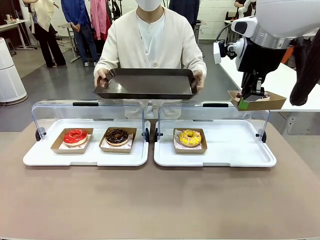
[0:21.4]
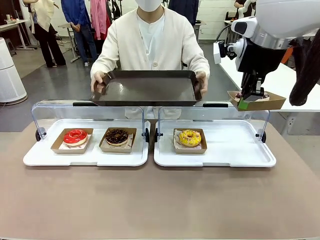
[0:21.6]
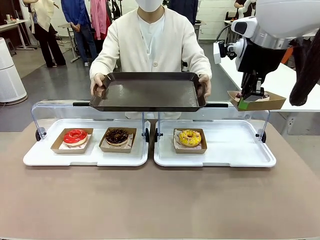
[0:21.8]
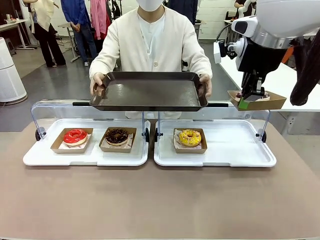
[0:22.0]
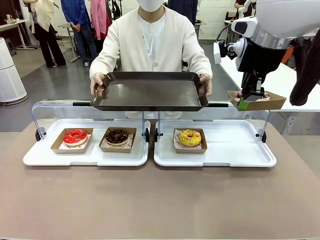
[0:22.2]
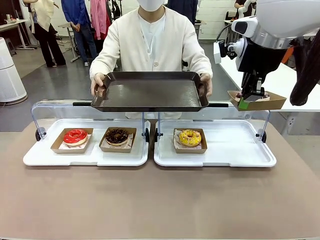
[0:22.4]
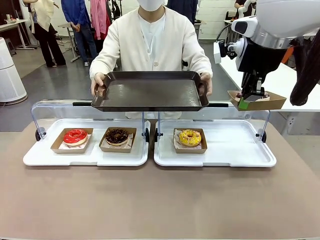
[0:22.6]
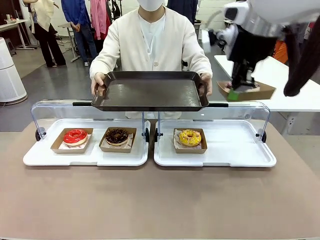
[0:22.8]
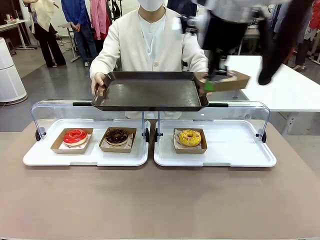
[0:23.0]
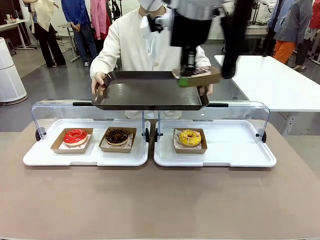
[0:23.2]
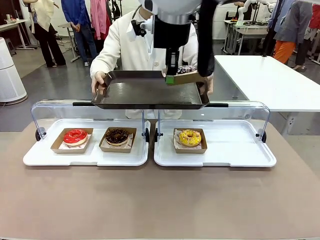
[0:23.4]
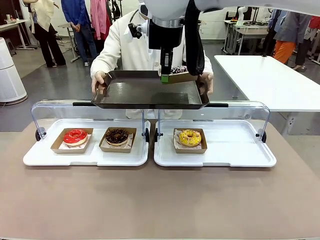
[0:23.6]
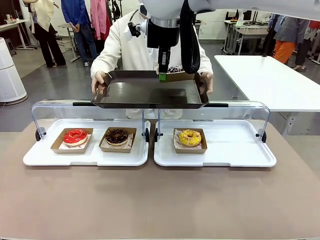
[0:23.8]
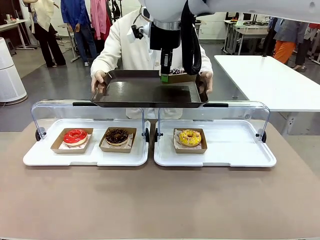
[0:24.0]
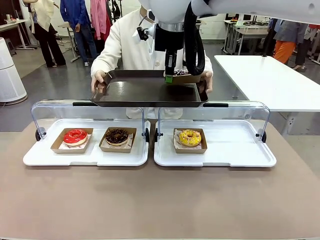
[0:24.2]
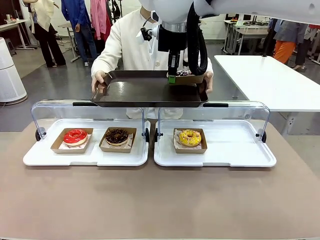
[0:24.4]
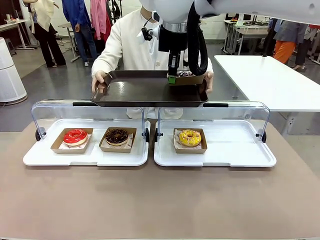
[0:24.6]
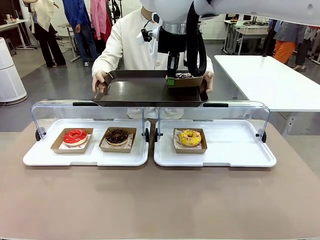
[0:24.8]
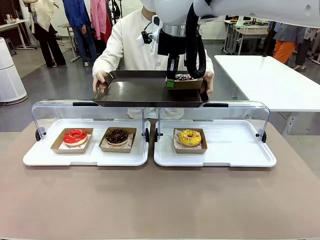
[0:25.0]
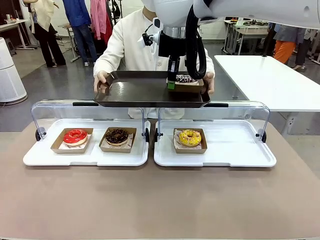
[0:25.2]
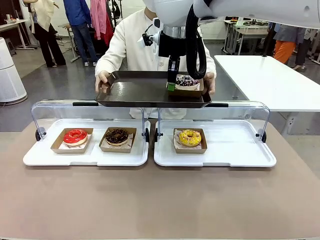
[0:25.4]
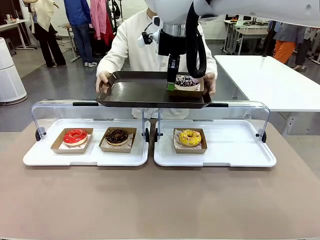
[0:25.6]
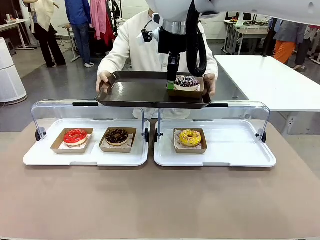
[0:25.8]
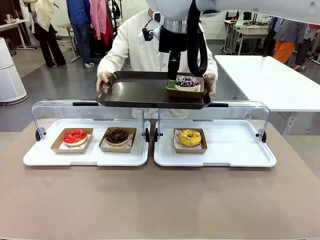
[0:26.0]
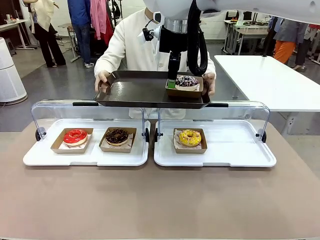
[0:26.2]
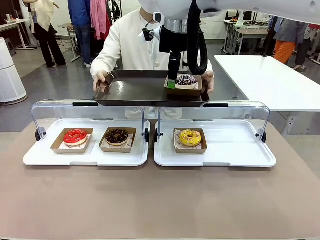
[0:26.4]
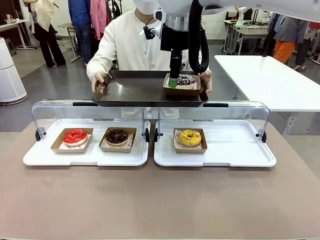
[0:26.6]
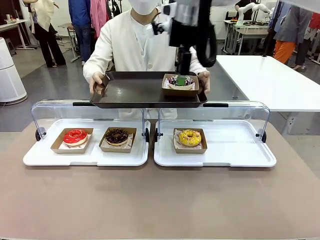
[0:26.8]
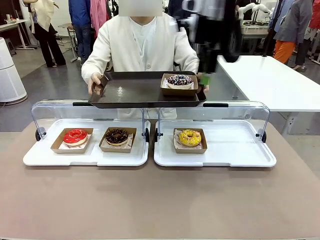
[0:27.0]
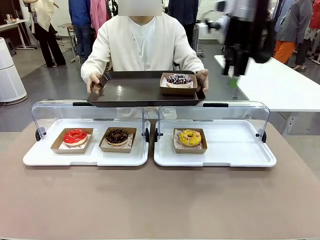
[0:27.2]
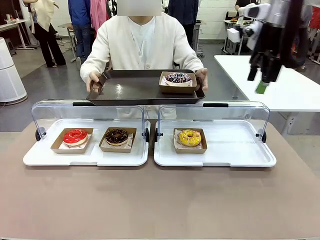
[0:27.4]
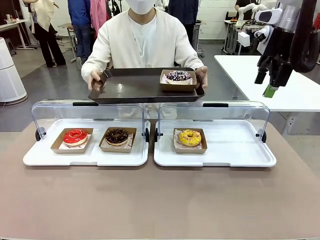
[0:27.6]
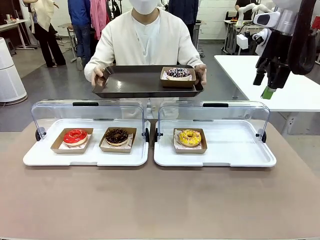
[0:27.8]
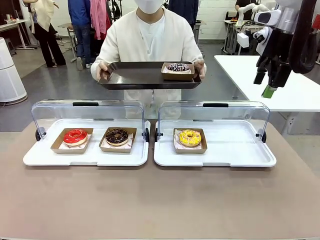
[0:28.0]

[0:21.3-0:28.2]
Task: Provide the desired donut to the person.
Robot: Place the picked Paper togo box onto the Handle tray extended by the person.

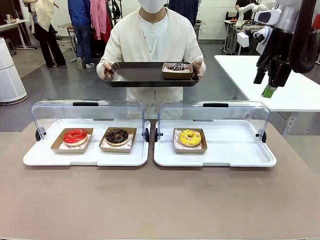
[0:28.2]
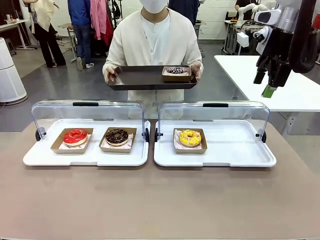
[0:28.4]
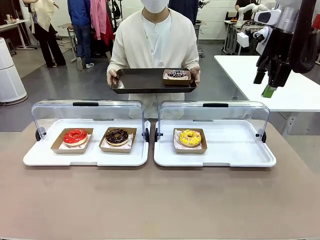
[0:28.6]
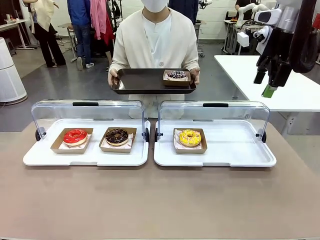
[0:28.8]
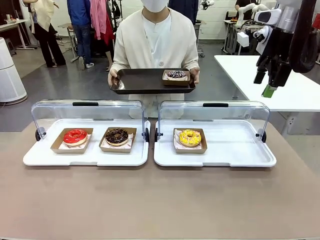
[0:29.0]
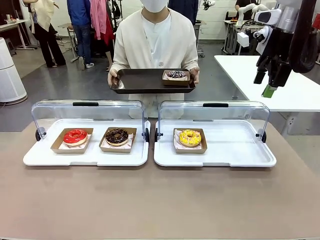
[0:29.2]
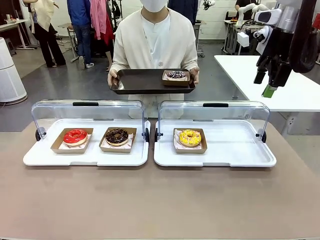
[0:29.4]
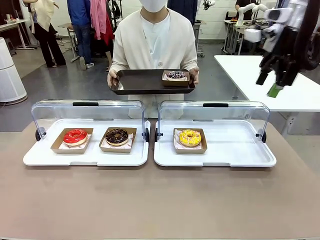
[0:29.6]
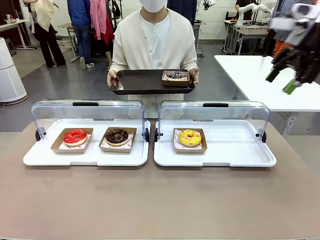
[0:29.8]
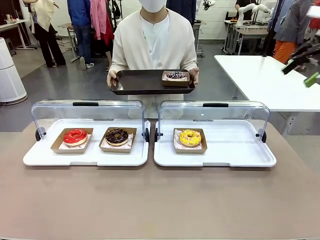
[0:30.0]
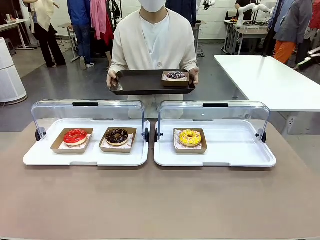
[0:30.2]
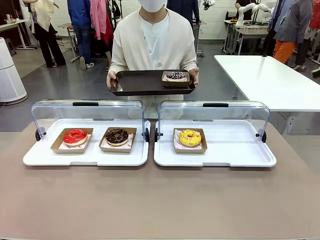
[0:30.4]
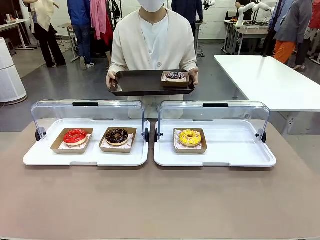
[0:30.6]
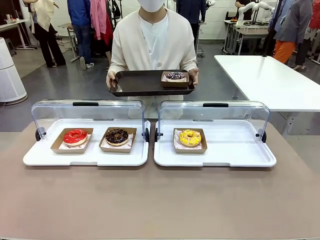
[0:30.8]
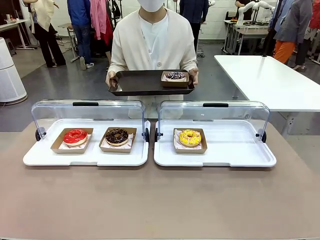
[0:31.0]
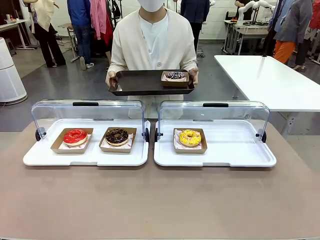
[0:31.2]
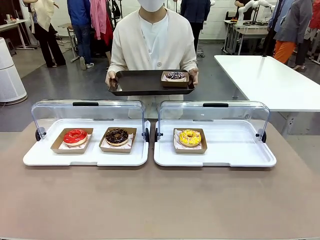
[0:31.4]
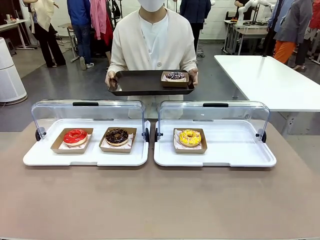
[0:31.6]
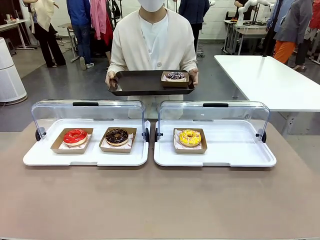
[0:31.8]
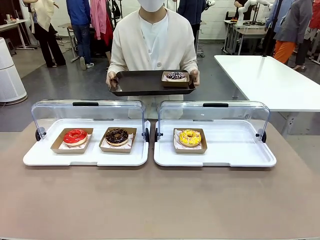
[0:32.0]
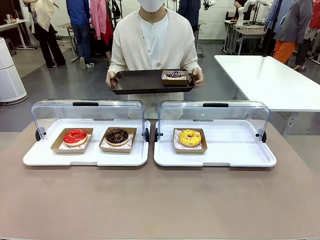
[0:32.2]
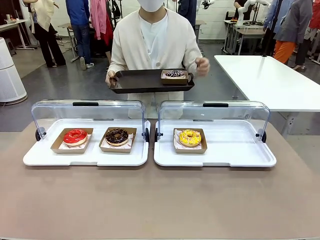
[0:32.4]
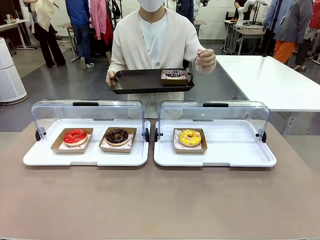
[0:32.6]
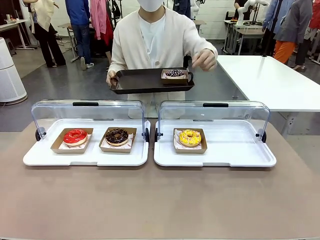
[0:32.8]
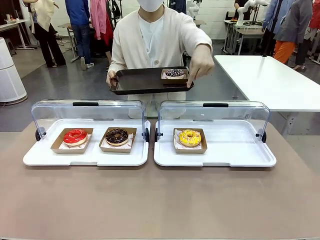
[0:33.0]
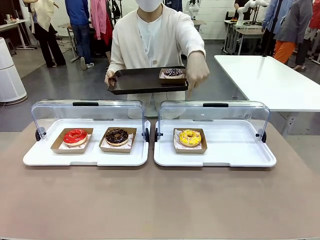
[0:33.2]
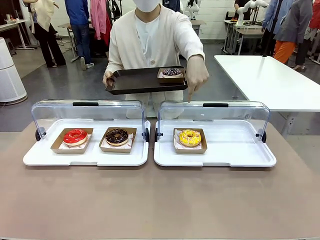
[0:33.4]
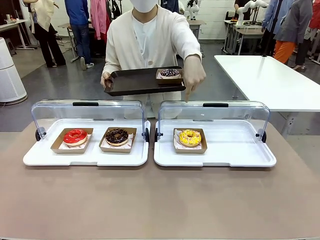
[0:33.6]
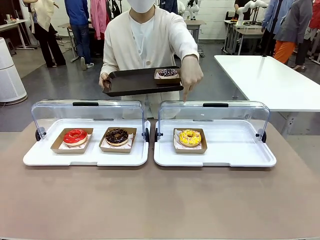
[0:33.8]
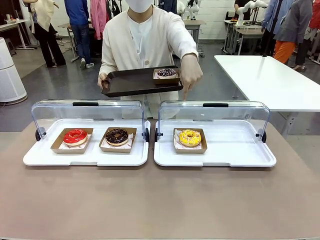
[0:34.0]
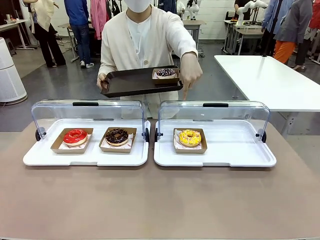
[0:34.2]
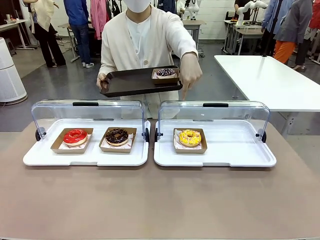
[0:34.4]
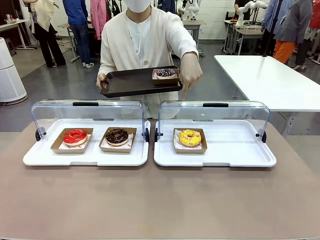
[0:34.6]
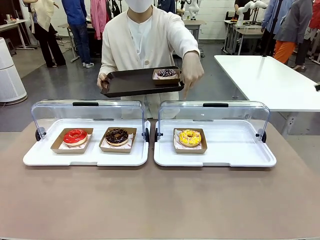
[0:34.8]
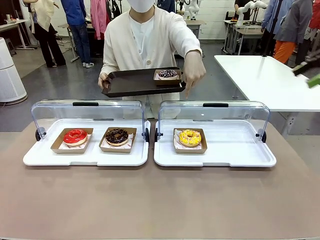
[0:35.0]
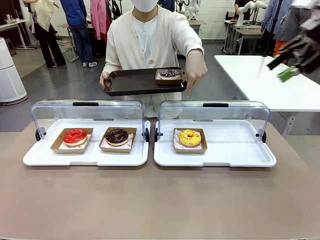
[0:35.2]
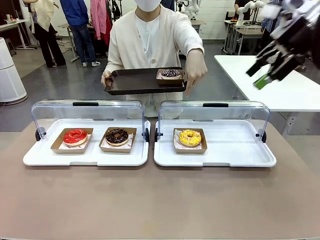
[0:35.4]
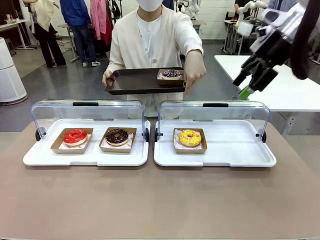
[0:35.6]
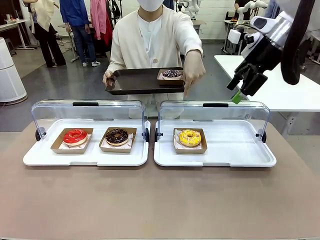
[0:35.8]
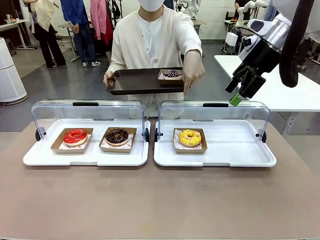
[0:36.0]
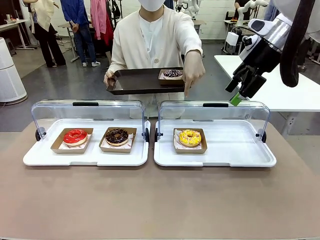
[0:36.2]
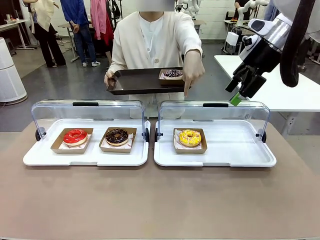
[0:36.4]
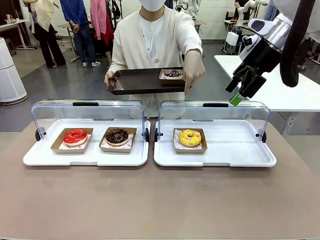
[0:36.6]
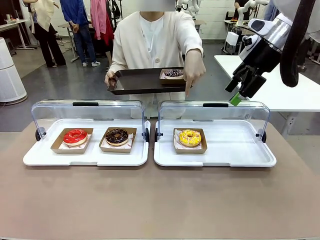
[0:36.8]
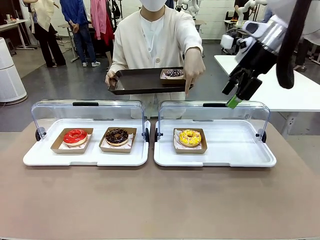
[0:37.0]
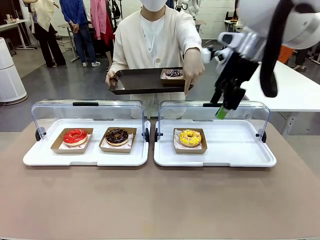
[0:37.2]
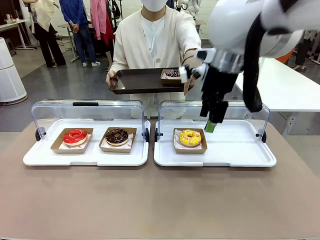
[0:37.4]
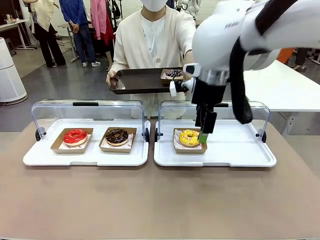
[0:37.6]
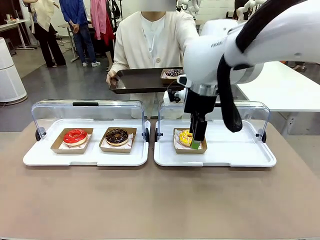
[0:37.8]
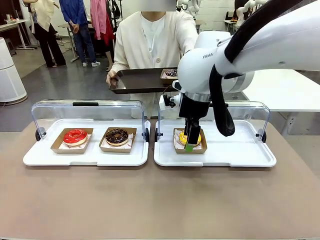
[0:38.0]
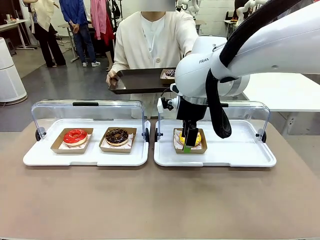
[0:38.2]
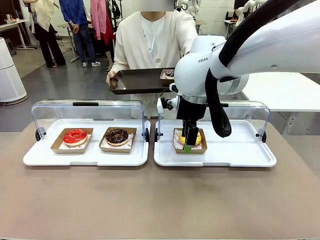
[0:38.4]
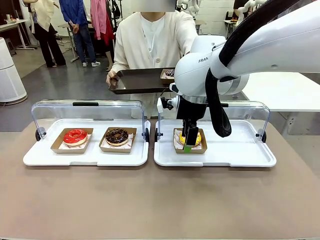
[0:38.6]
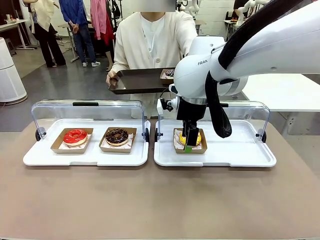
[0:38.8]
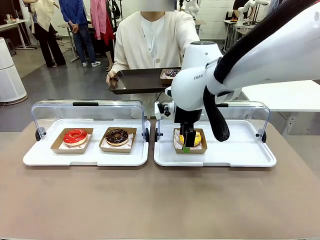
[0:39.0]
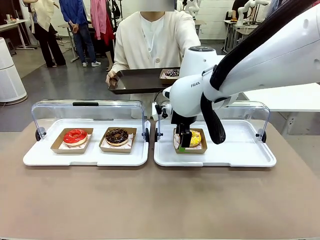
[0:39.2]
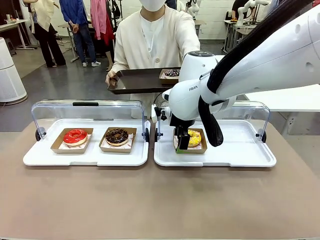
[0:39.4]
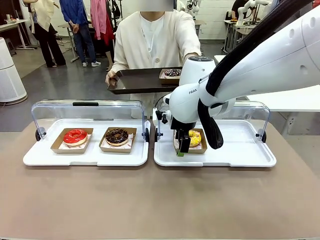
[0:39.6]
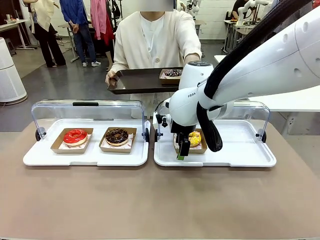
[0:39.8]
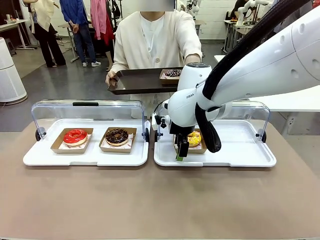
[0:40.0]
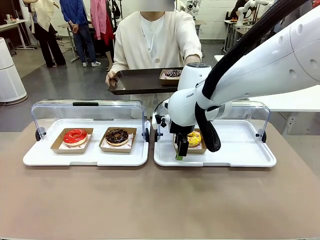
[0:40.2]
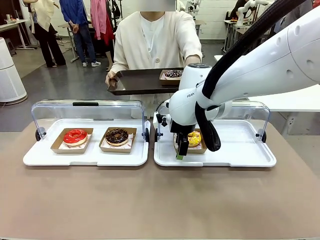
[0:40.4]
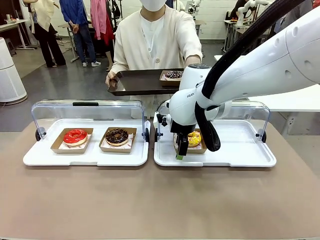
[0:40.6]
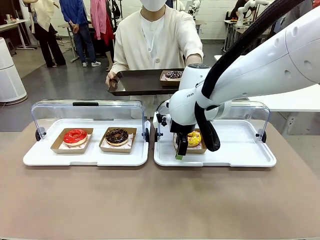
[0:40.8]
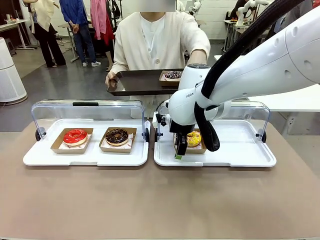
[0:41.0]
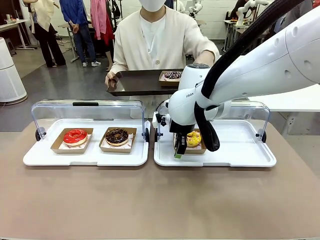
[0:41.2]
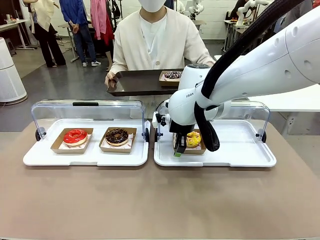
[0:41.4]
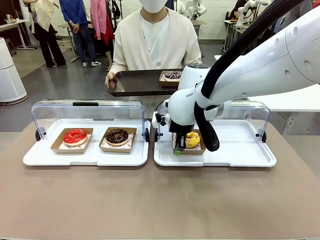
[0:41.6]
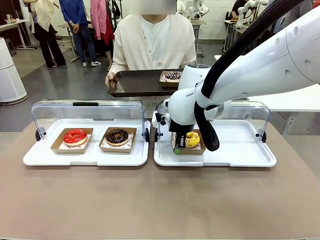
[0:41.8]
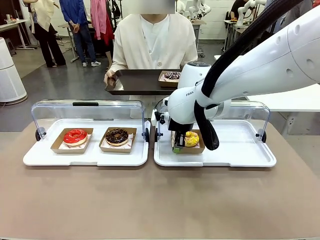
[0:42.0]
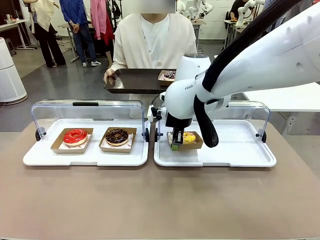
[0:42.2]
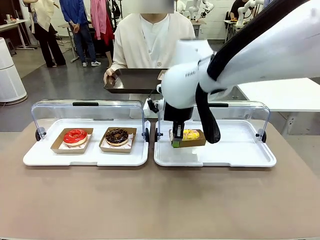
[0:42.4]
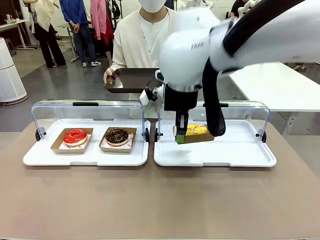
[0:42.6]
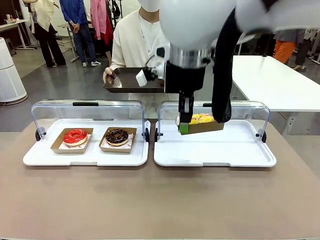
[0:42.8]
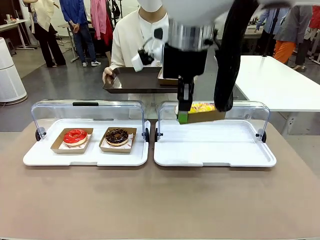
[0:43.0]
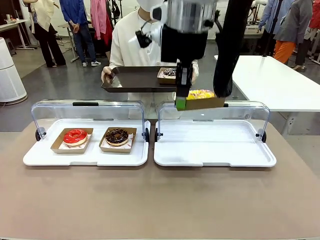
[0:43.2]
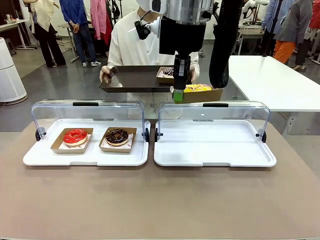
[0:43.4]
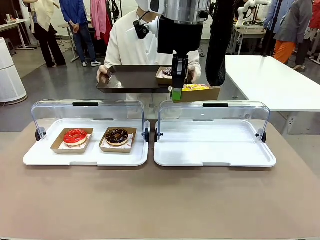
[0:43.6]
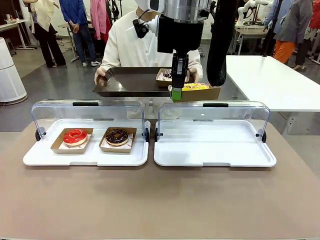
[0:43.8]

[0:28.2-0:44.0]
Robot: Pick up and lift the Paper togo box containing the Donut pointed at by the person.
Person: Point to one donut. Lift the tray onto the Roll-Top Bakery Case.
